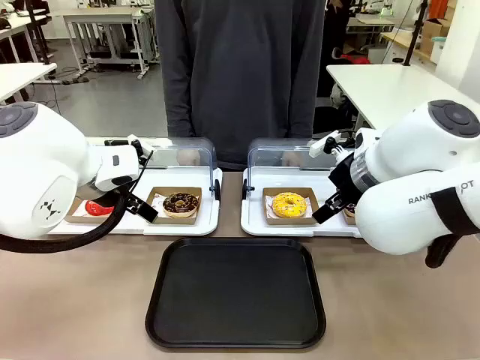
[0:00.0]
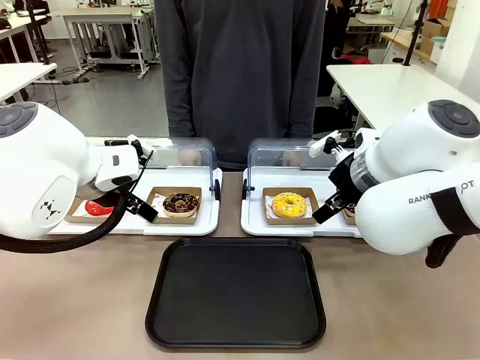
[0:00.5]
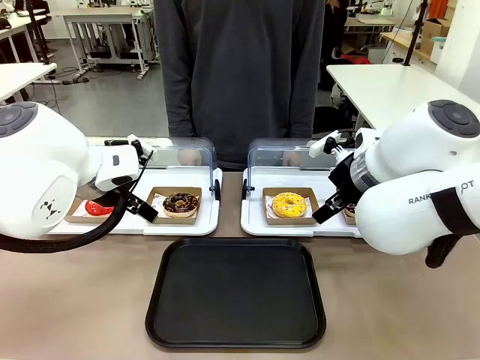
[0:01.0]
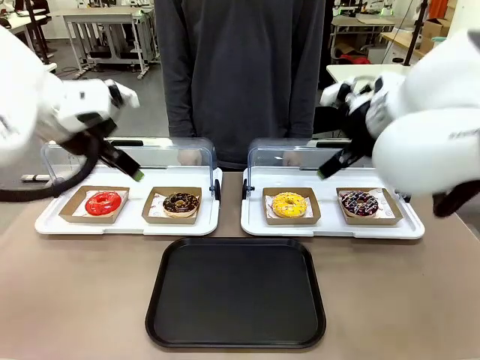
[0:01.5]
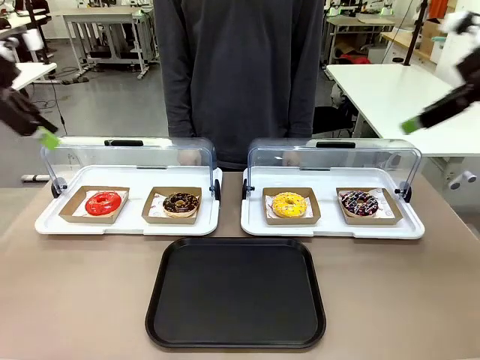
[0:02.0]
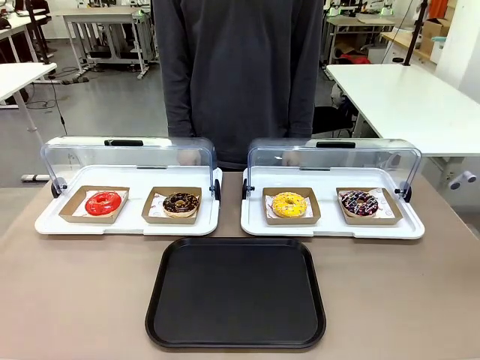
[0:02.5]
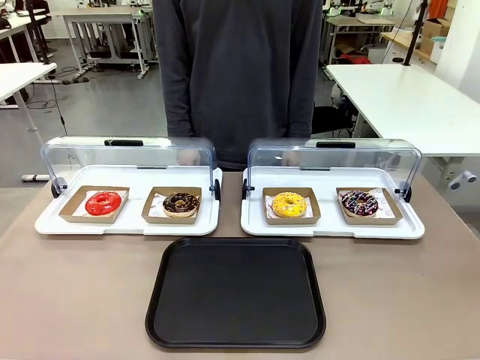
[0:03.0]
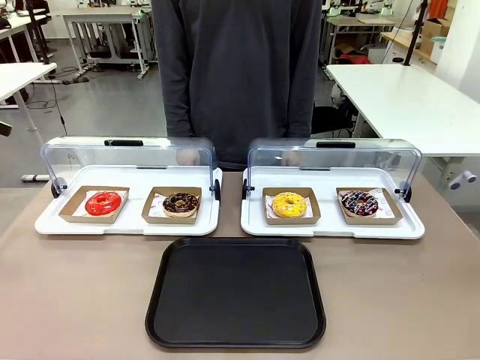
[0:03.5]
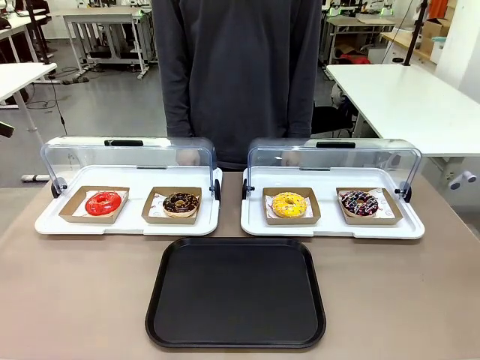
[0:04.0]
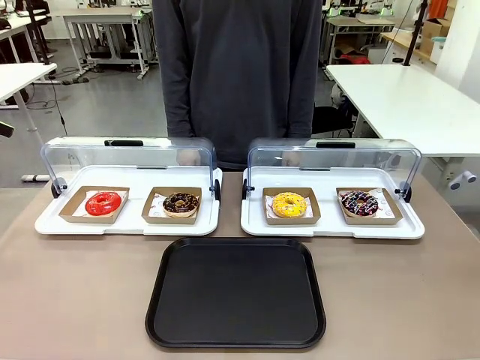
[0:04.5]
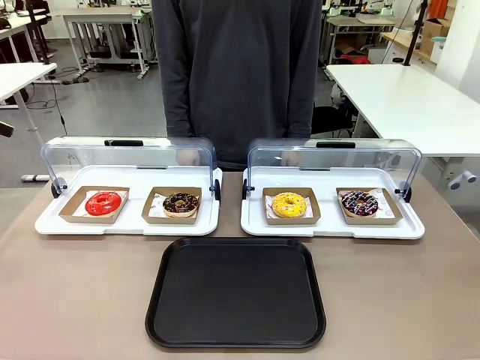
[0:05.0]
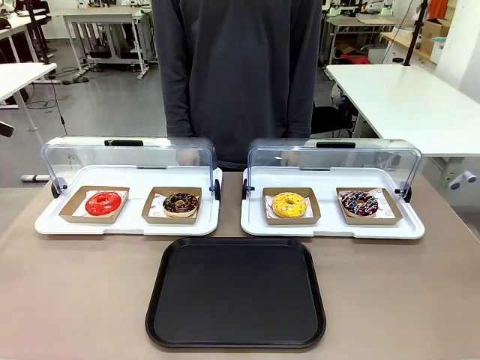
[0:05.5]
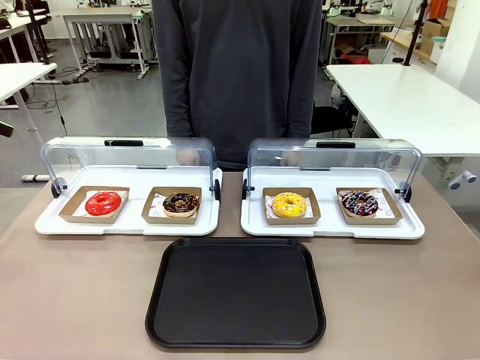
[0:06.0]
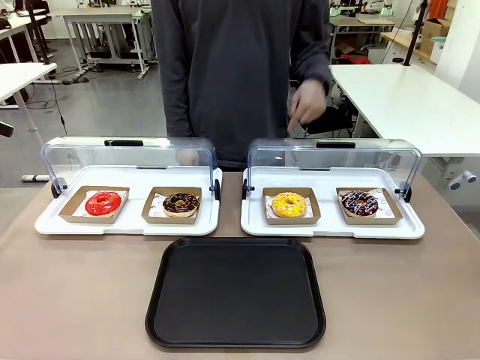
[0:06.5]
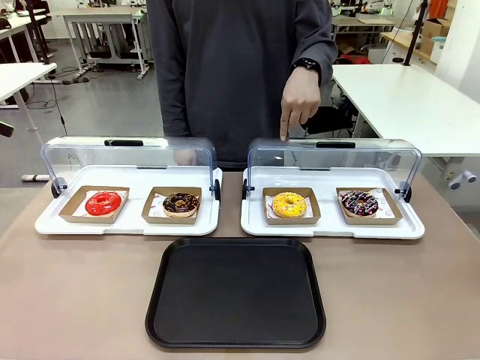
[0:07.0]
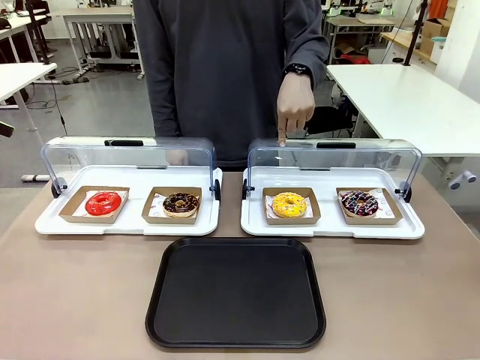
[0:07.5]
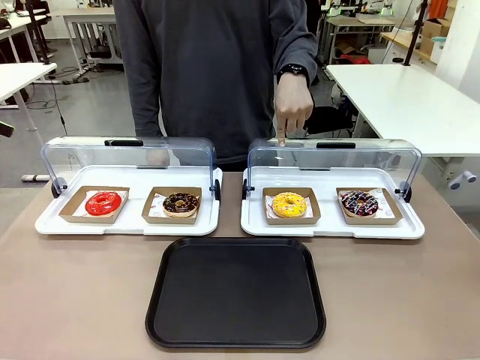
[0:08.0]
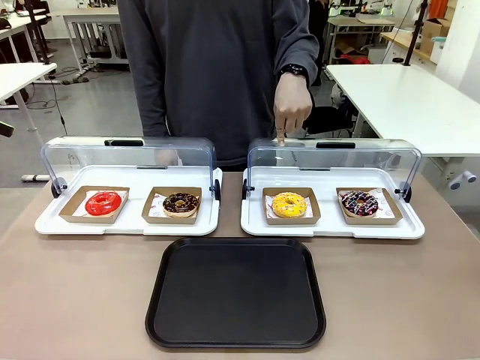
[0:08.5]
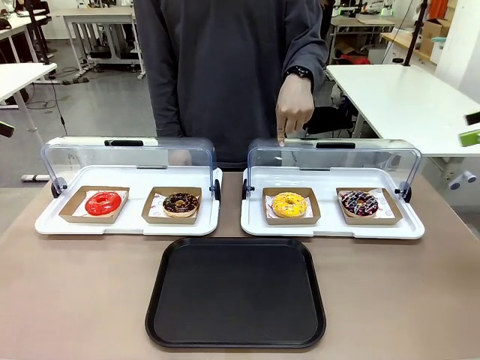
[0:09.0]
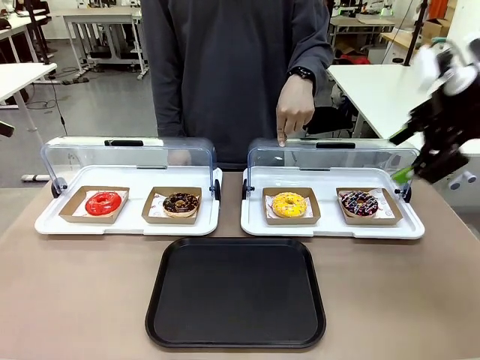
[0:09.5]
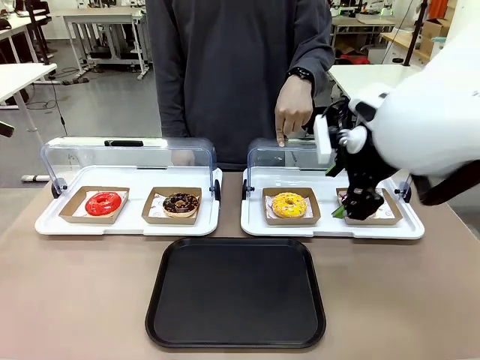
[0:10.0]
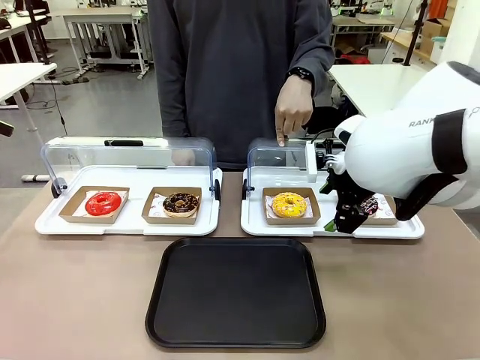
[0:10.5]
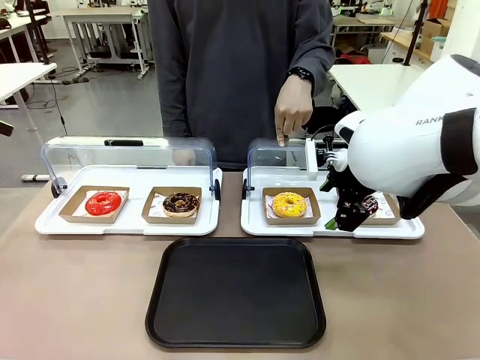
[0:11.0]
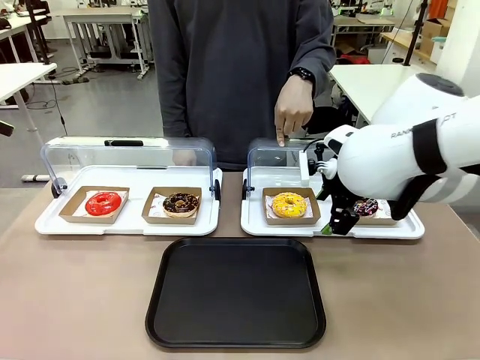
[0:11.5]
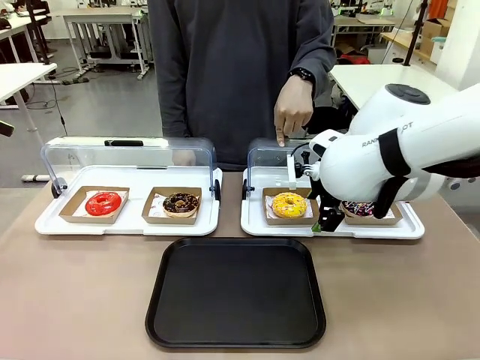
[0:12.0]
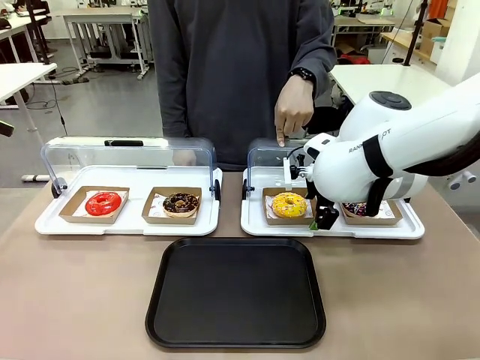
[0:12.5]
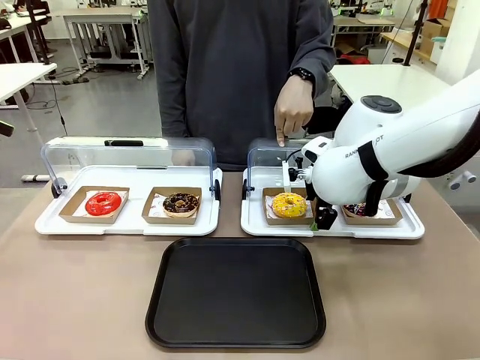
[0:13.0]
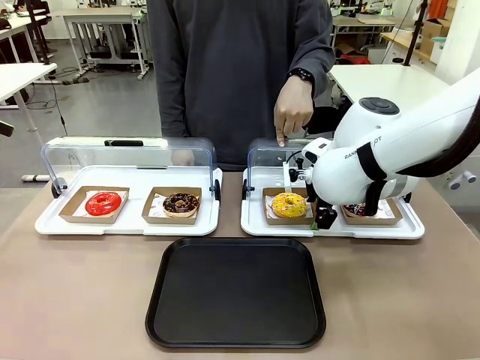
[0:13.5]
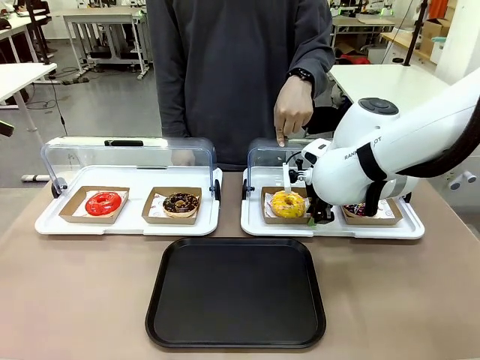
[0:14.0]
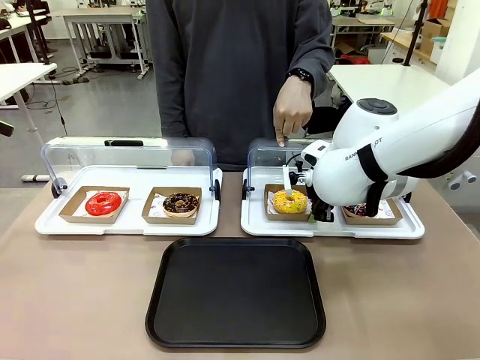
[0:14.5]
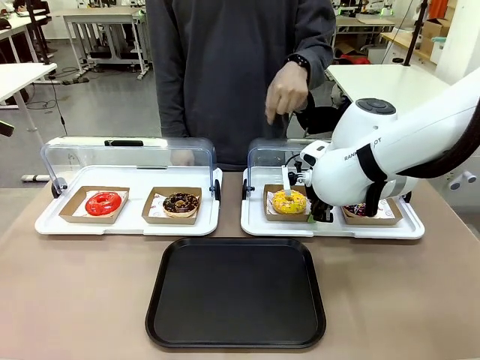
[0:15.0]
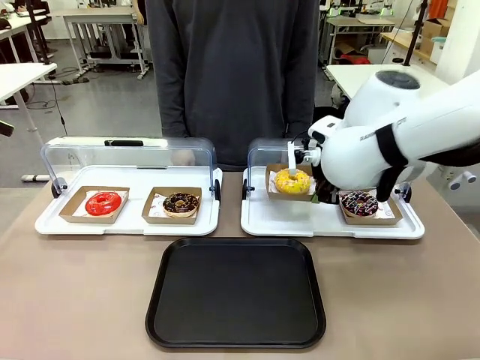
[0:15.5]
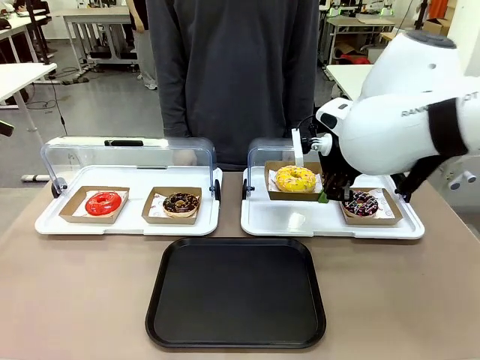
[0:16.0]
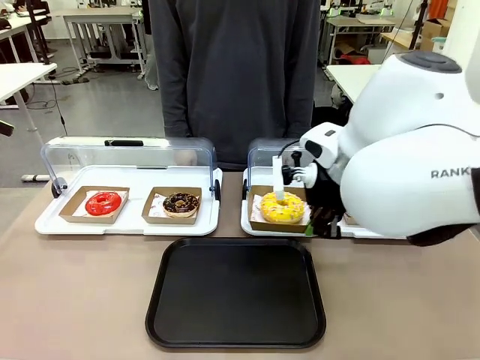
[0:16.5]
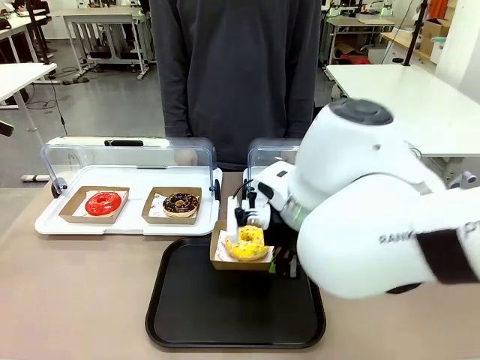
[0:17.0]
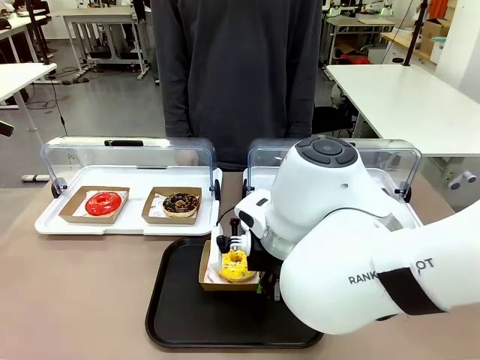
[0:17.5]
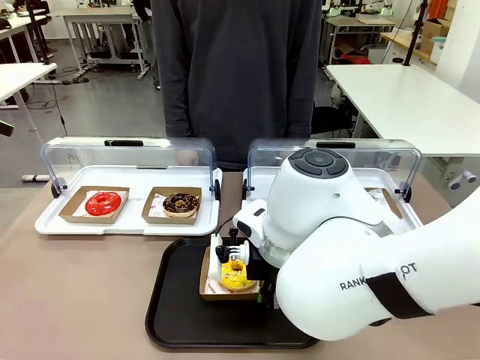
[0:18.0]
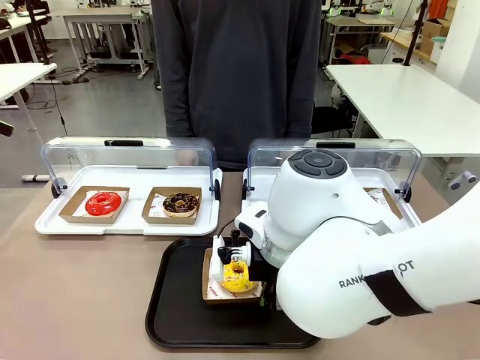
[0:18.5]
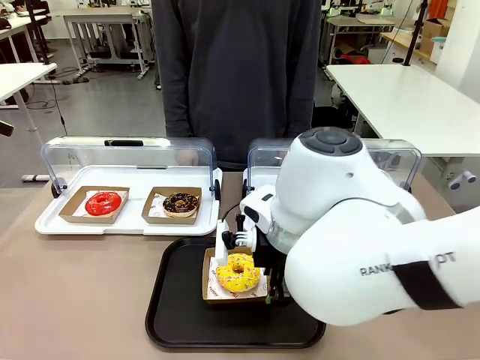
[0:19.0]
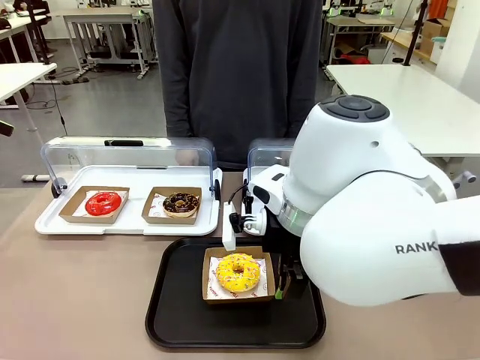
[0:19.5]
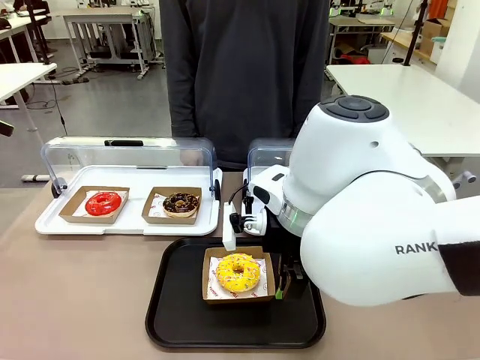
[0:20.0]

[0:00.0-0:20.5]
Task: Move the third donut from the left to the tray.
Robot: Pick up the Paper togo box containing the Donut indicated by the person and place it on the Handle tray.
Person: Points to the third donut from the left from the robot’s perspective.

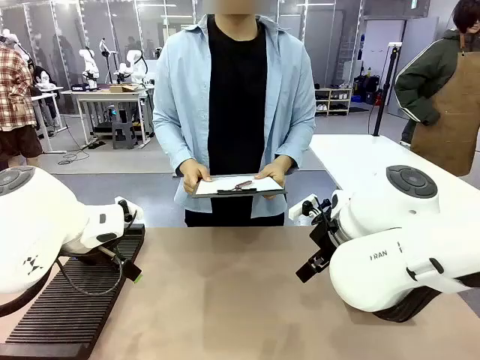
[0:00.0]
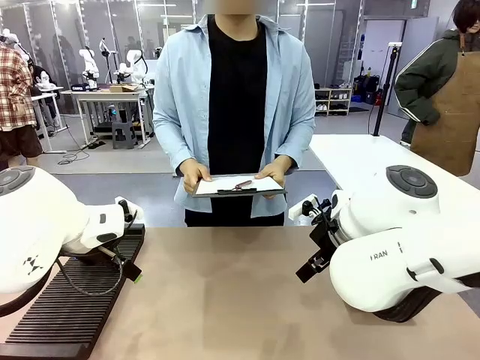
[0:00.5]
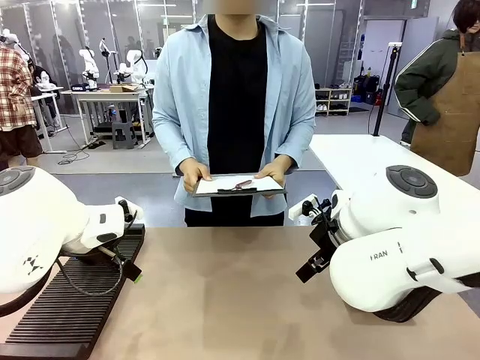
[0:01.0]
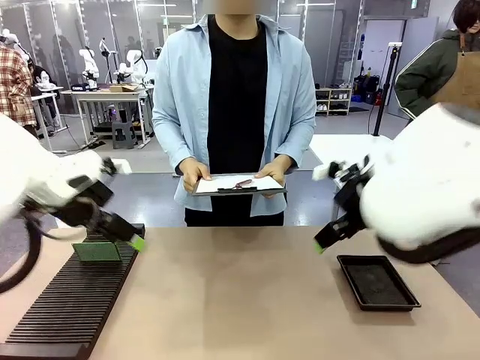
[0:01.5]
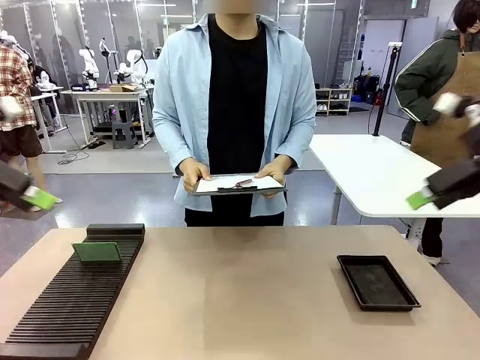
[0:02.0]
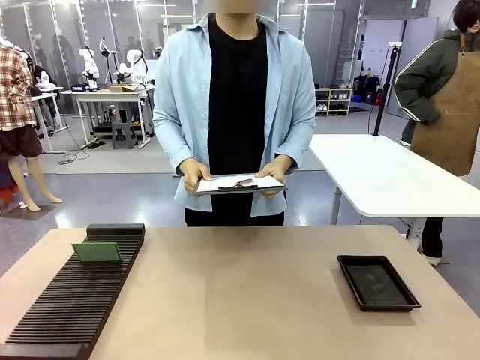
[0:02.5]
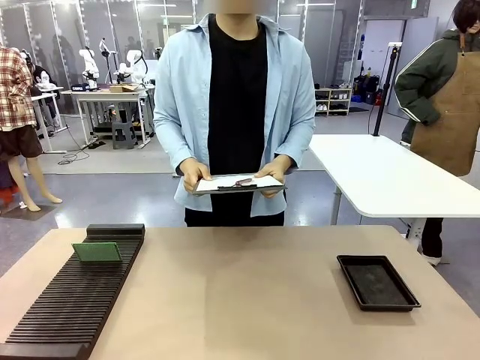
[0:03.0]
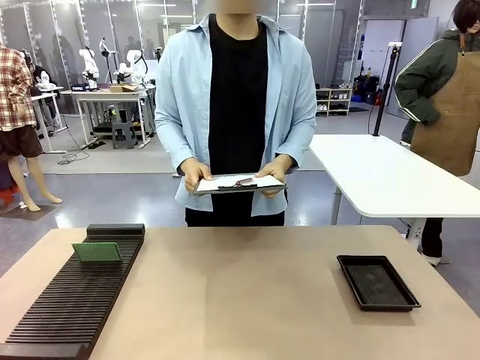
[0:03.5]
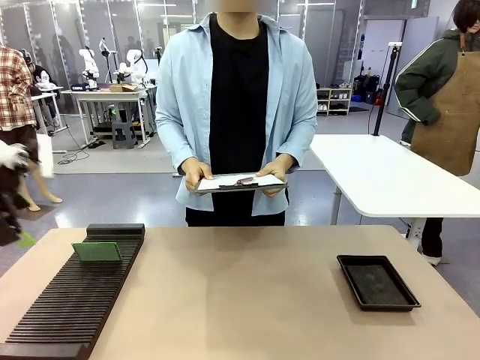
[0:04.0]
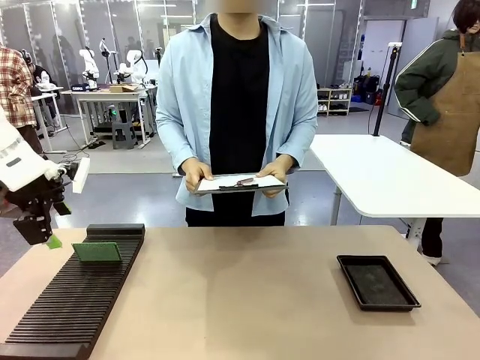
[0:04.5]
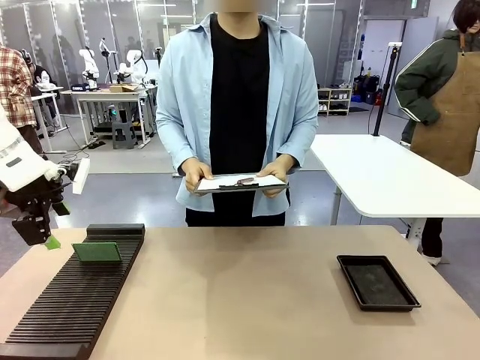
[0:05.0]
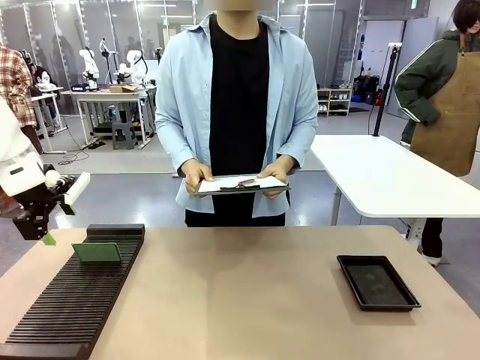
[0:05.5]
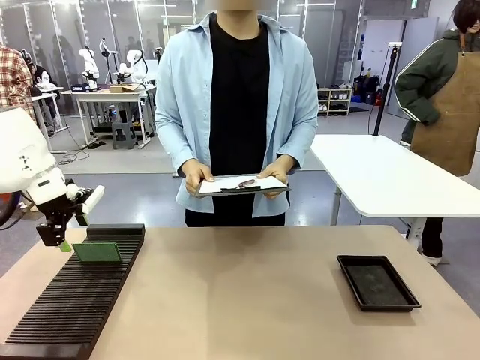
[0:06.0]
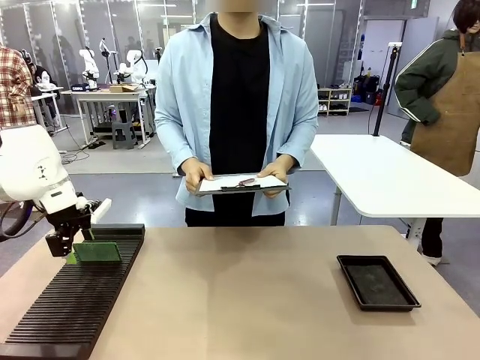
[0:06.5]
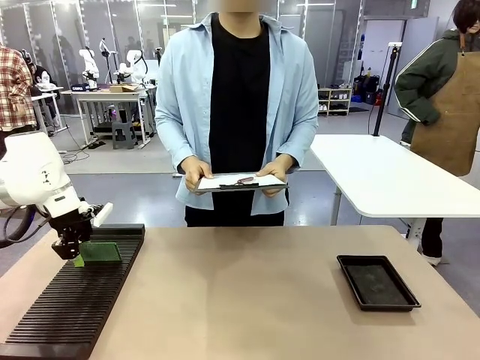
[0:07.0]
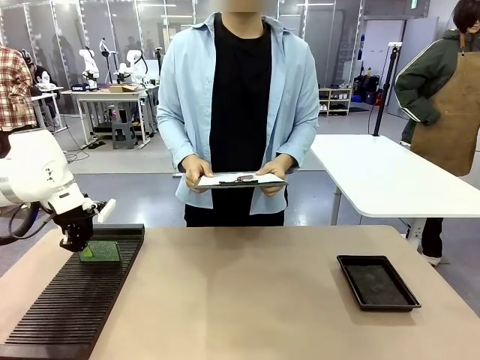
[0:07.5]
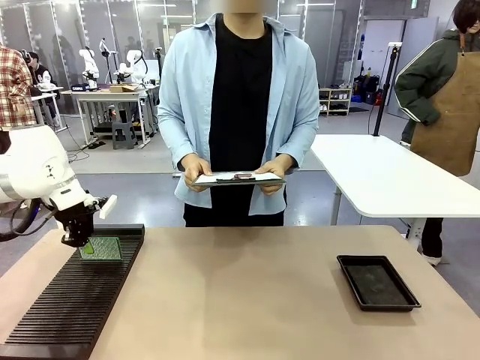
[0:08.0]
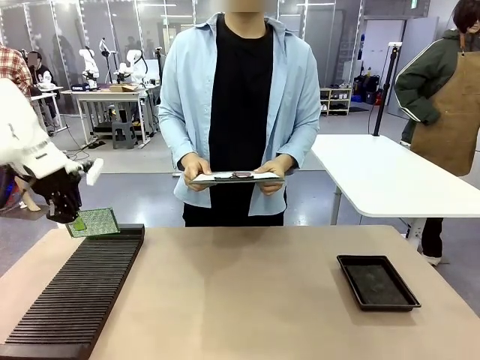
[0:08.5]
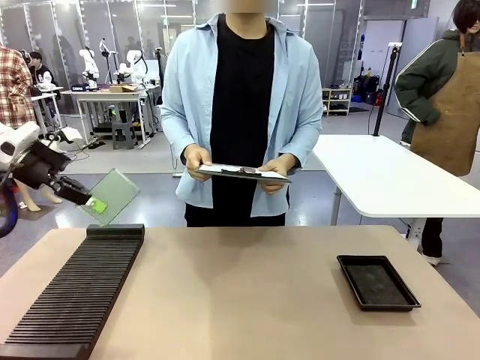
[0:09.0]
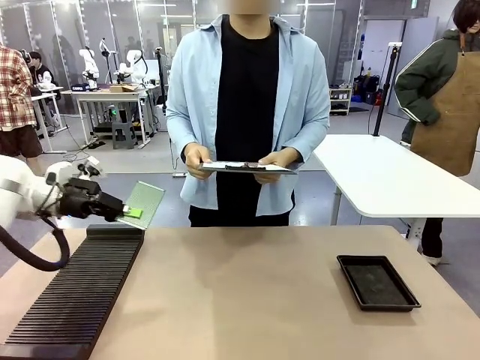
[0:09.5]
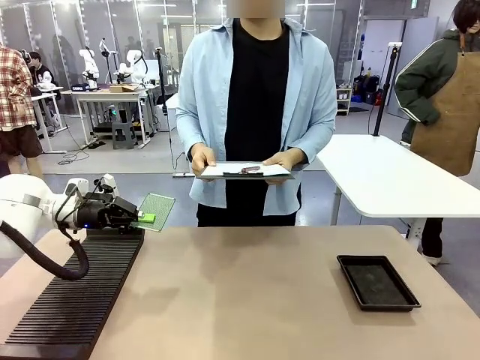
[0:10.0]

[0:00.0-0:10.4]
Task: Inspect the PCB.
Robot: Pick up the Blank PCB and present it to the human.
Person: Pick up the PCB presented by the robot.
